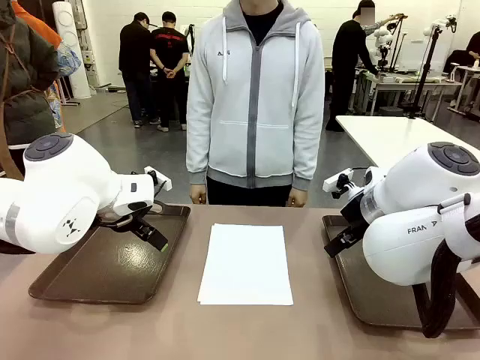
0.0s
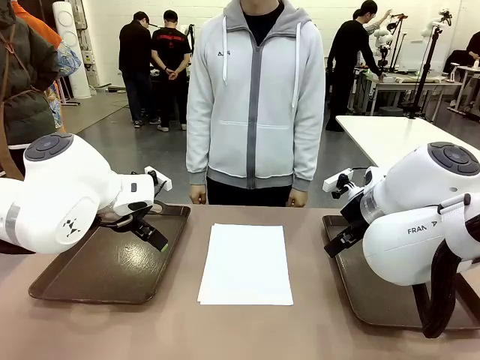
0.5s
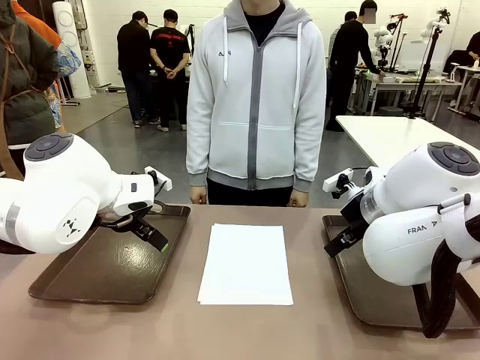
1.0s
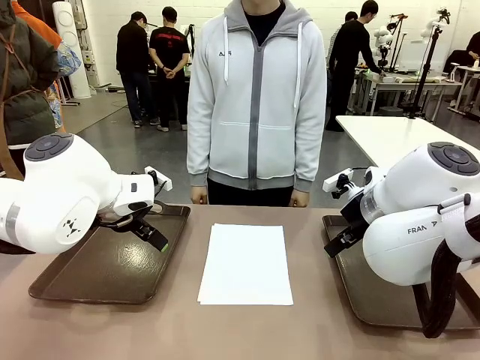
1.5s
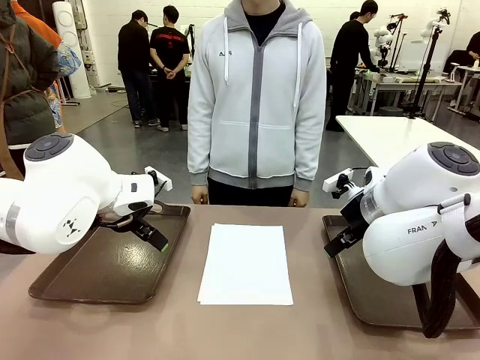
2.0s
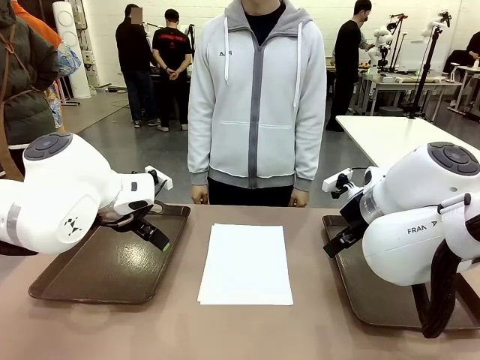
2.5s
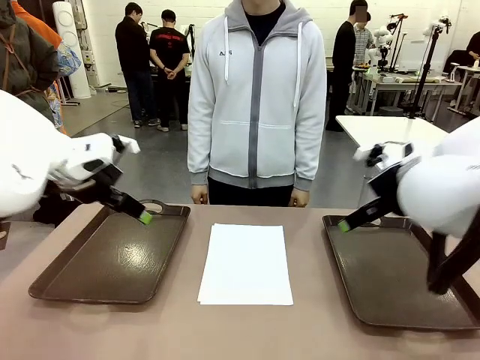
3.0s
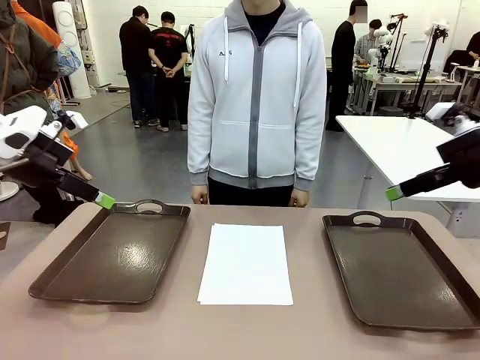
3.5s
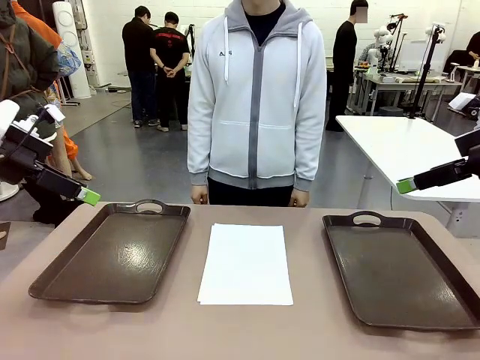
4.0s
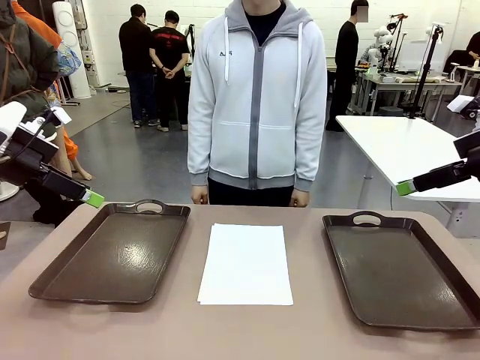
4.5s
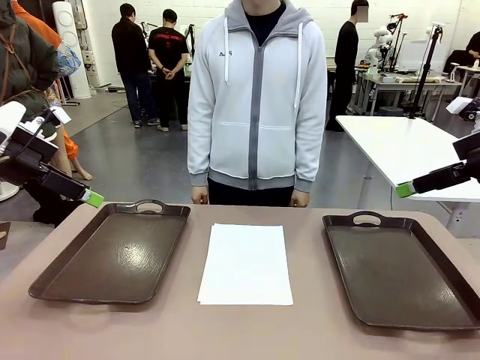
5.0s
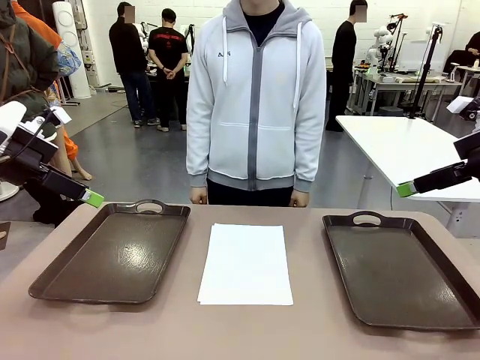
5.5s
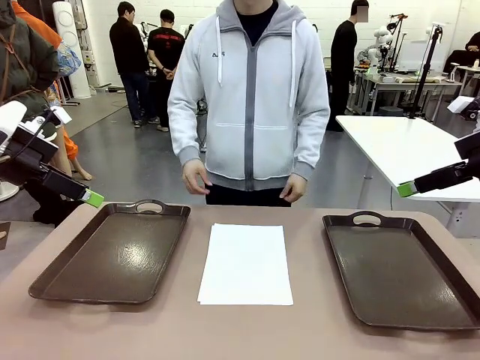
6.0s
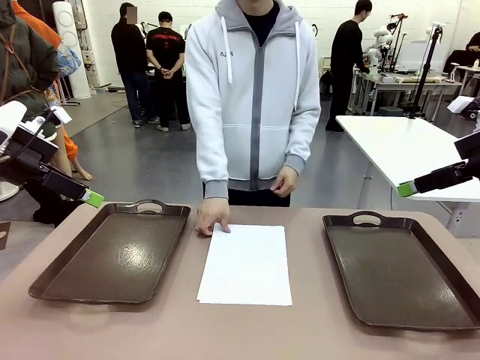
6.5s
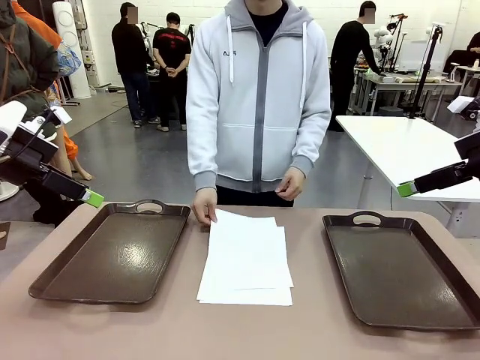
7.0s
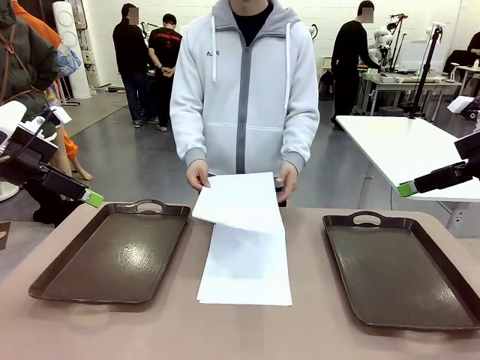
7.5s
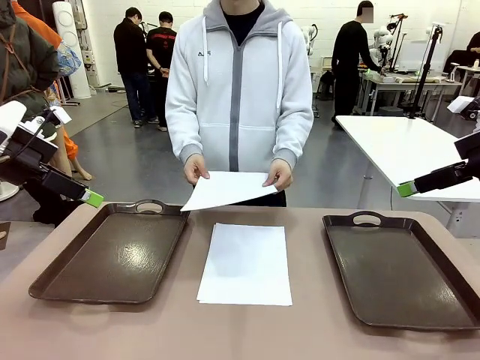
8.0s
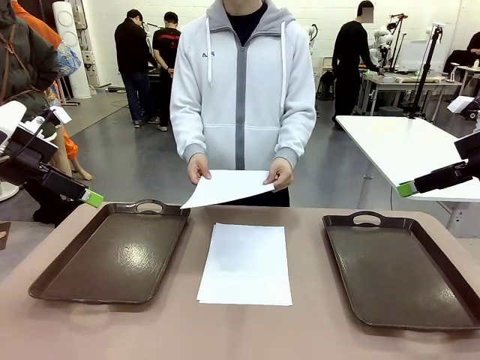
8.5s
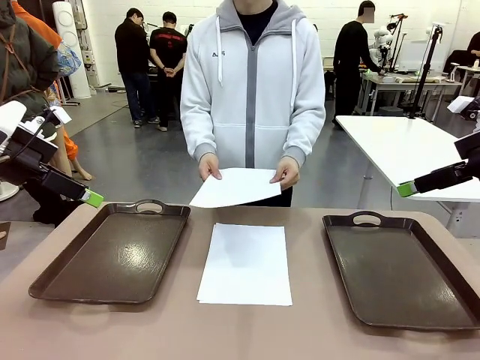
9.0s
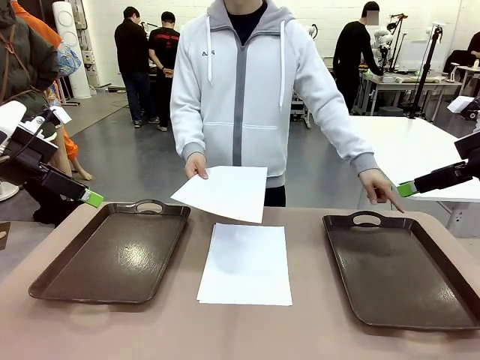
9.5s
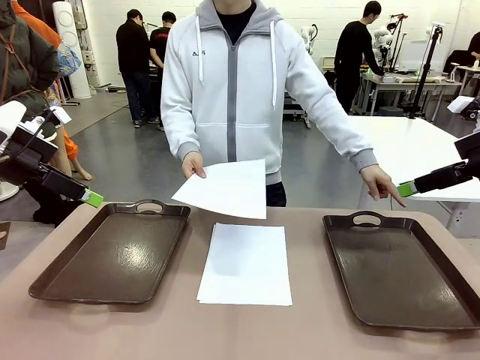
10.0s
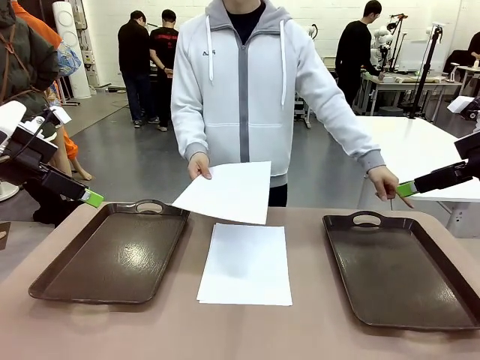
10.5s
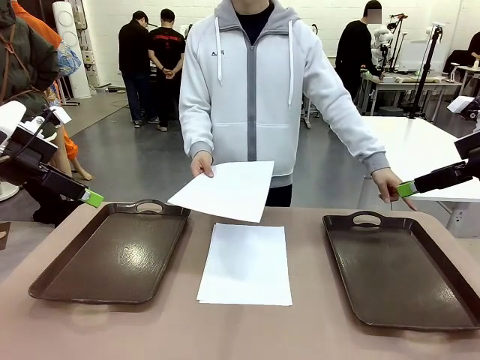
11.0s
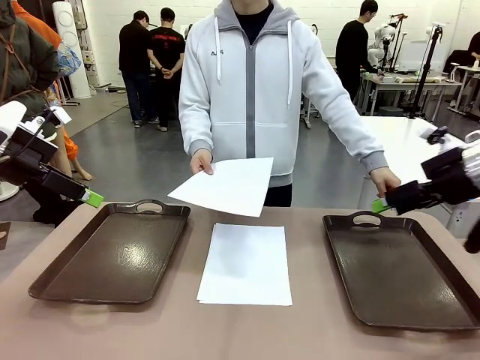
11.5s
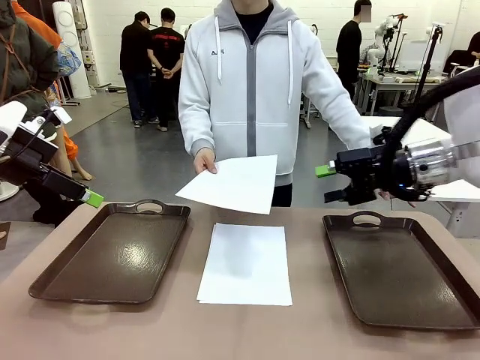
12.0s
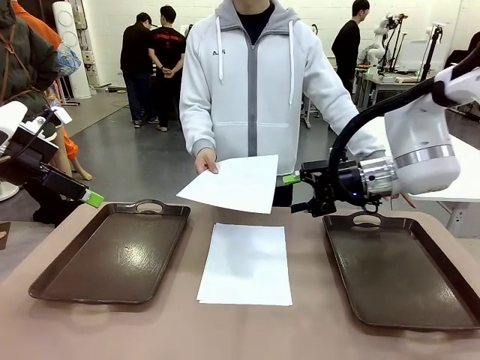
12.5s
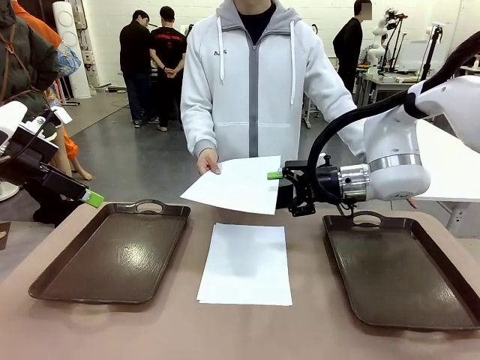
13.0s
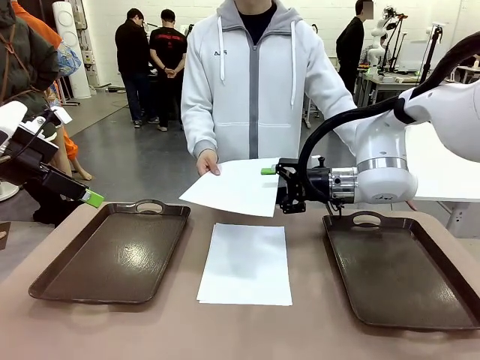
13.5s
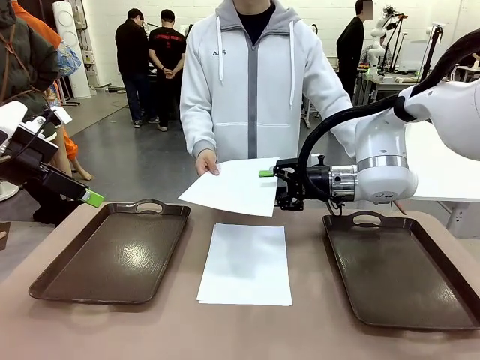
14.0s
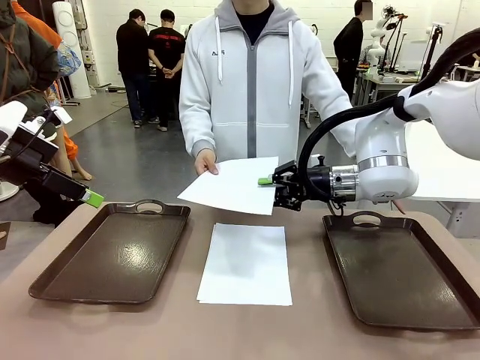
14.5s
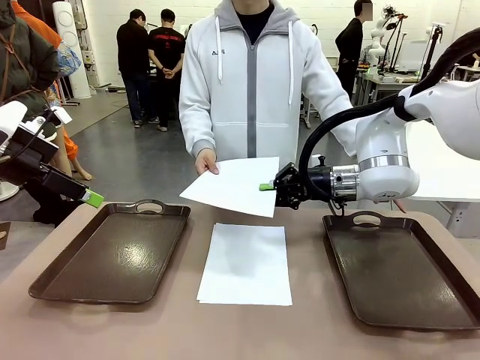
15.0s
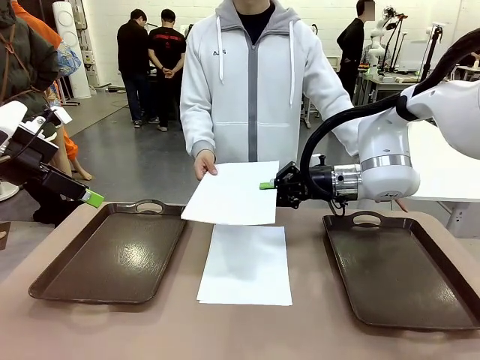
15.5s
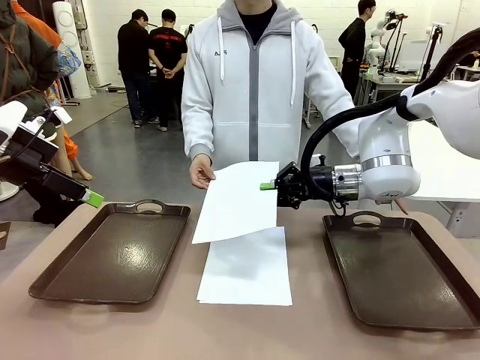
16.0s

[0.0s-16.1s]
Task: Sort the A4 documents.
Robot: Receive the A4 Paper.
Person: Pick up a sheet of paper from the center of the table and hand it to the robot. Point the randomly selected tray with the other hand.

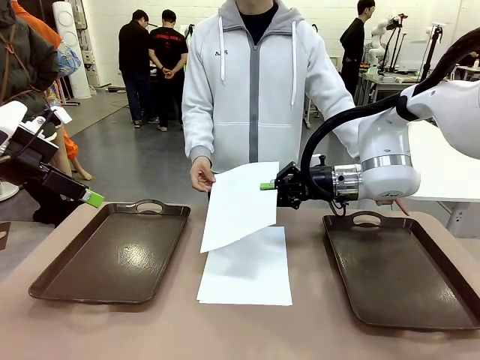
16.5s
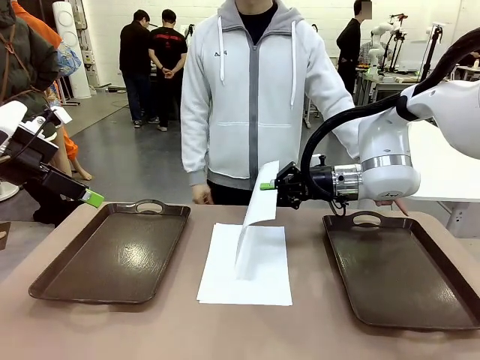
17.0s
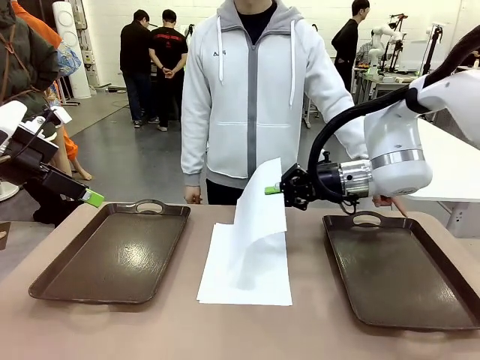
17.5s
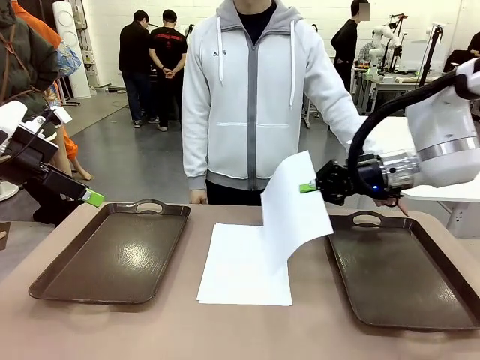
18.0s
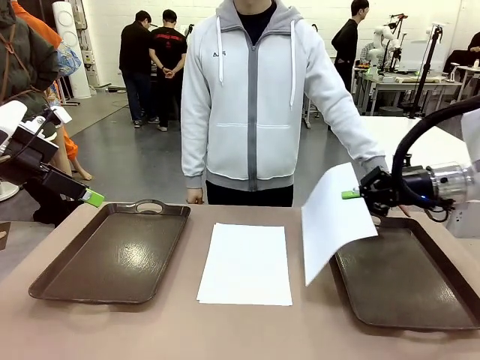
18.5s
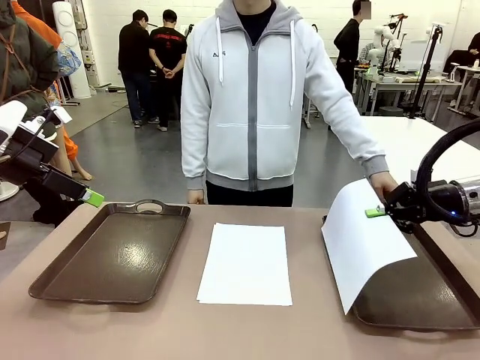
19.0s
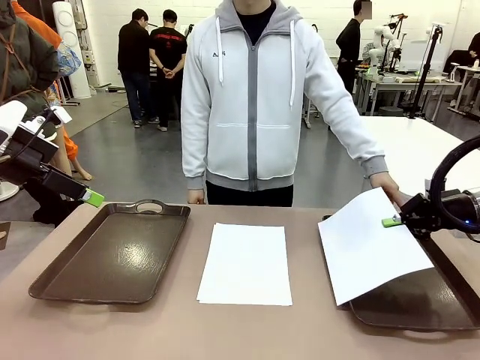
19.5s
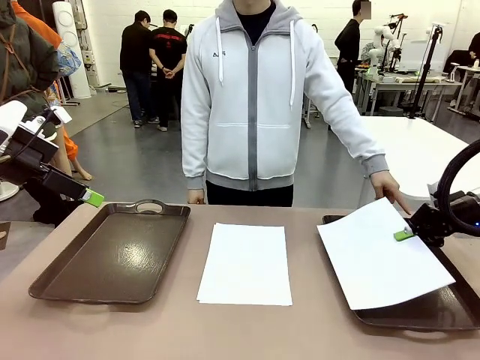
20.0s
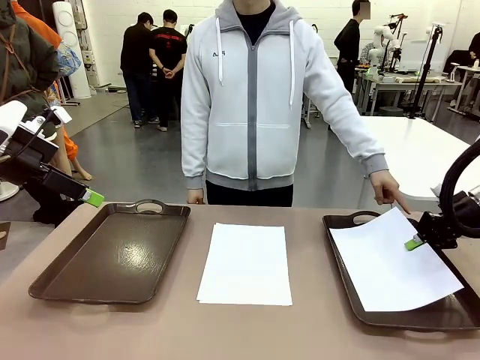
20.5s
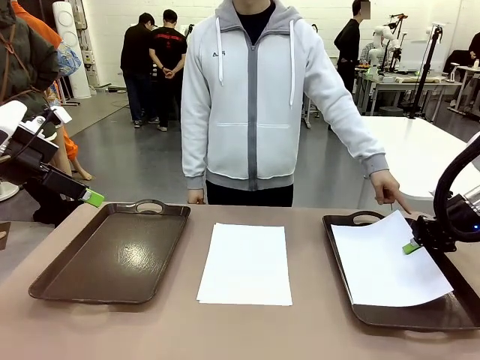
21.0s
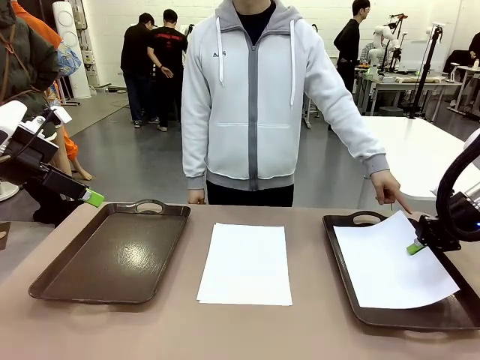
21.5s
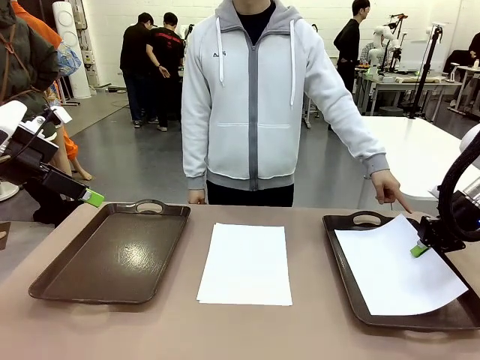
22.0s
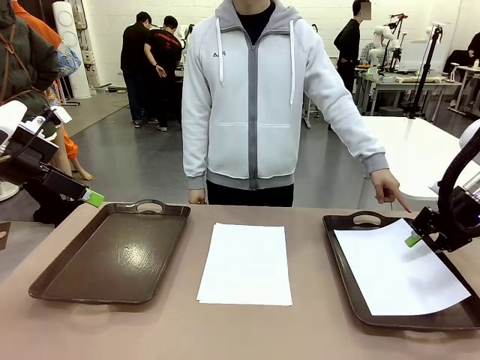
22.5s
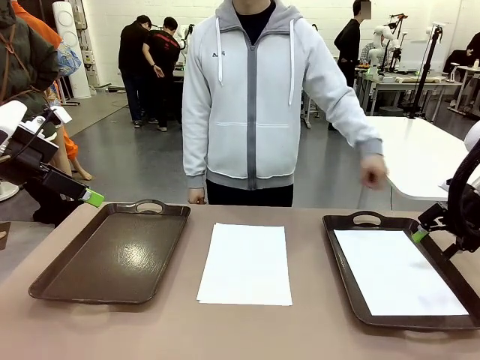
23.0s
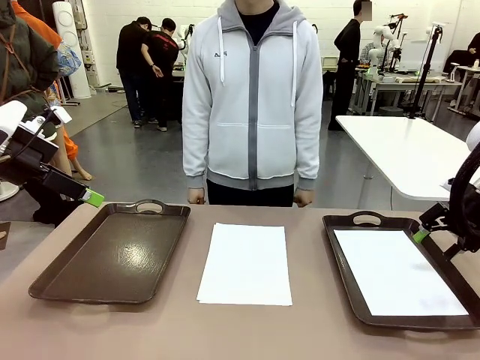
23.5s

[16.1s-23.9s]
Robot: Place the A4 Paper in the designated Handle tray.
